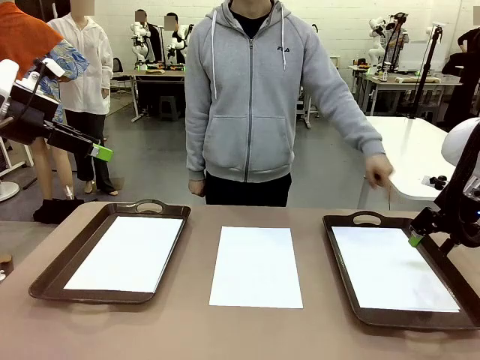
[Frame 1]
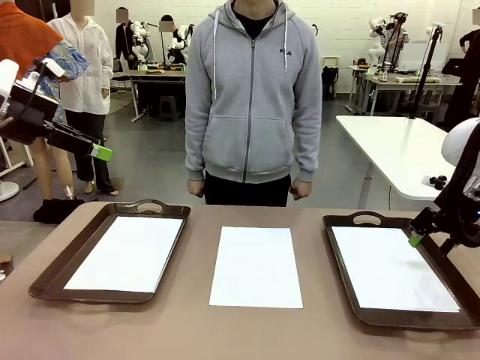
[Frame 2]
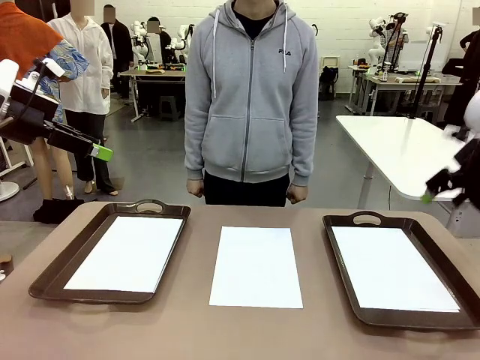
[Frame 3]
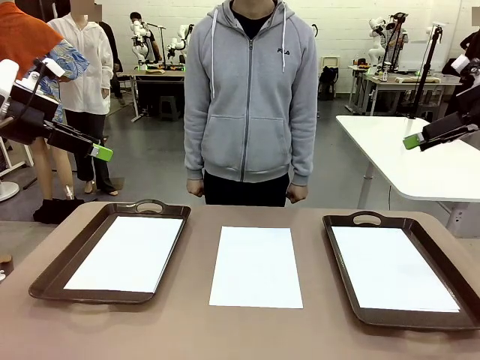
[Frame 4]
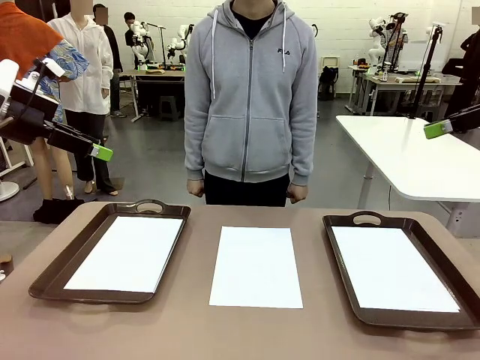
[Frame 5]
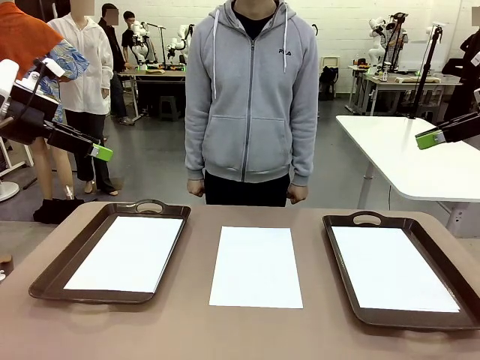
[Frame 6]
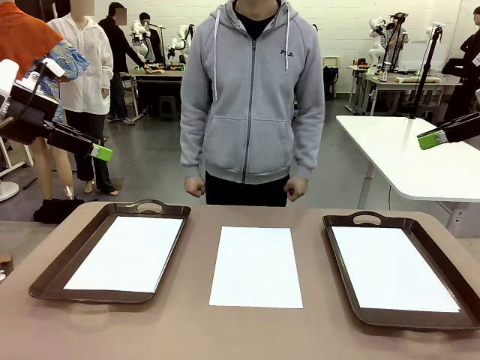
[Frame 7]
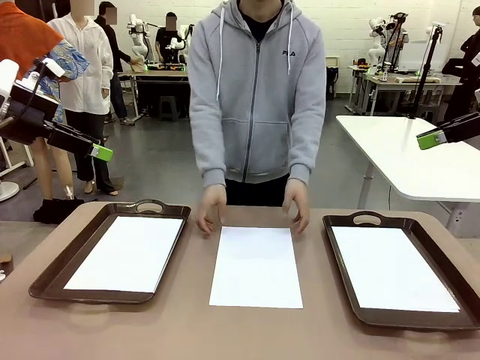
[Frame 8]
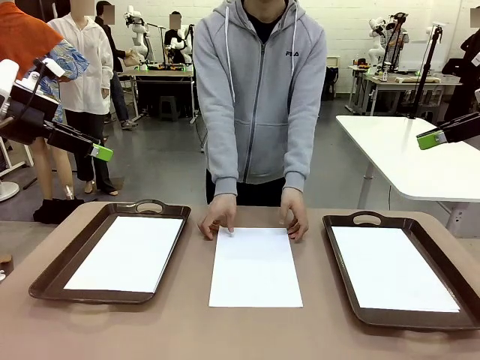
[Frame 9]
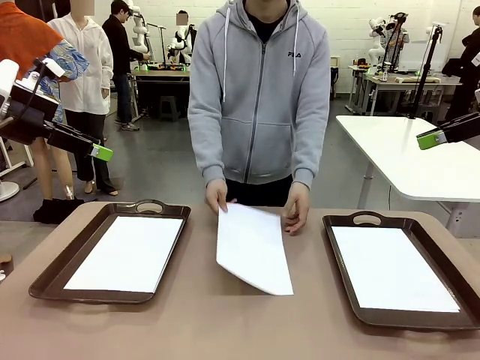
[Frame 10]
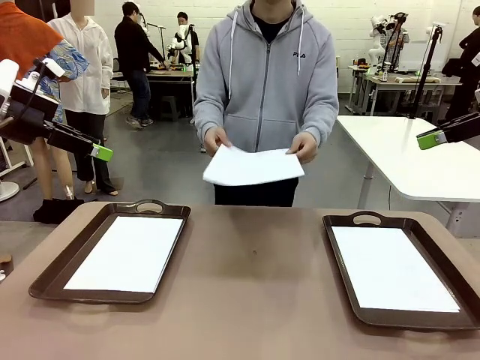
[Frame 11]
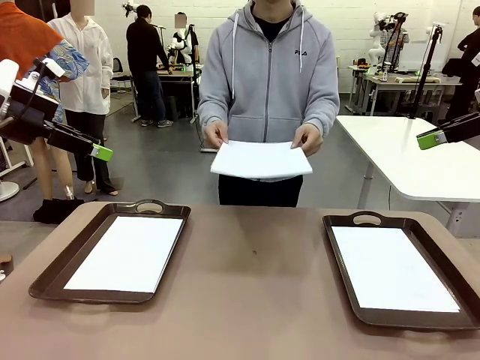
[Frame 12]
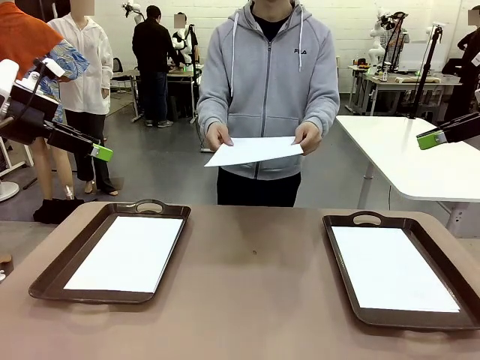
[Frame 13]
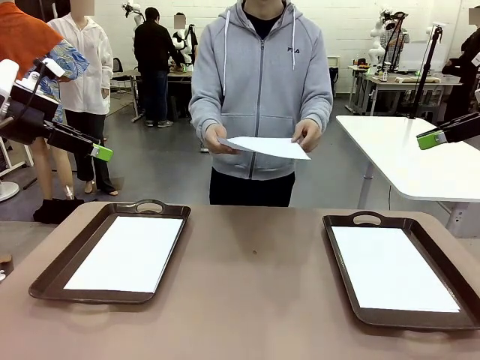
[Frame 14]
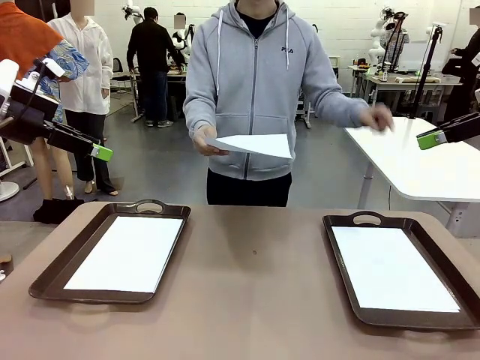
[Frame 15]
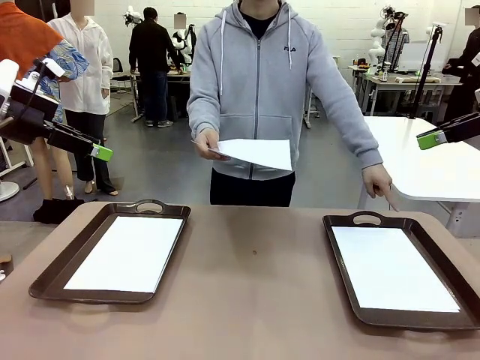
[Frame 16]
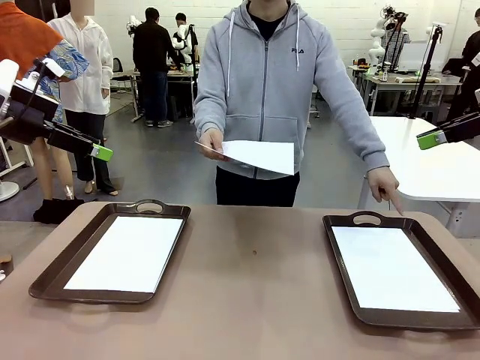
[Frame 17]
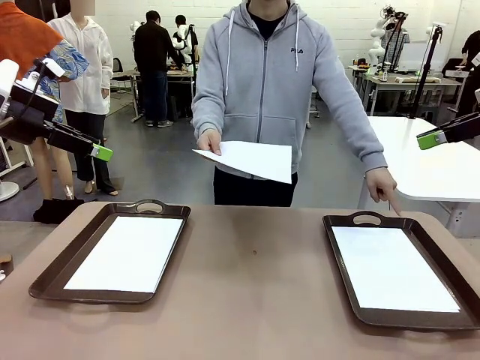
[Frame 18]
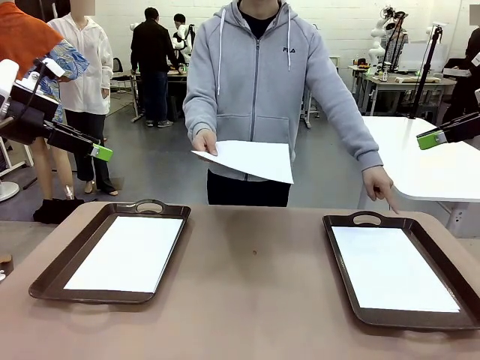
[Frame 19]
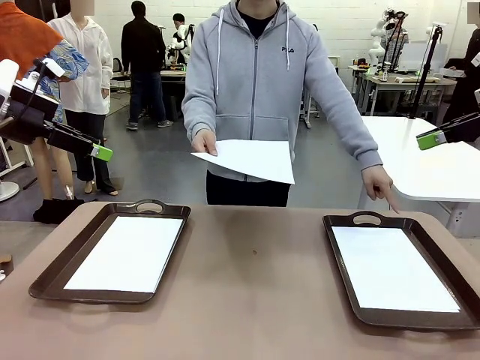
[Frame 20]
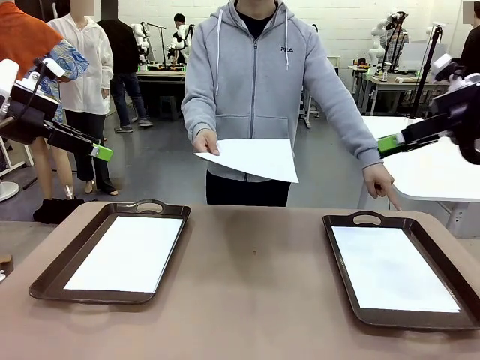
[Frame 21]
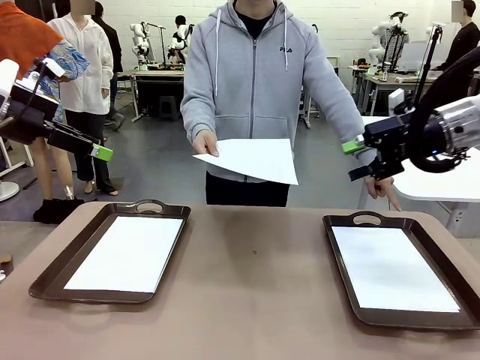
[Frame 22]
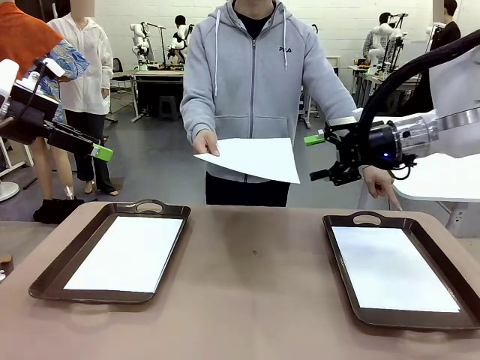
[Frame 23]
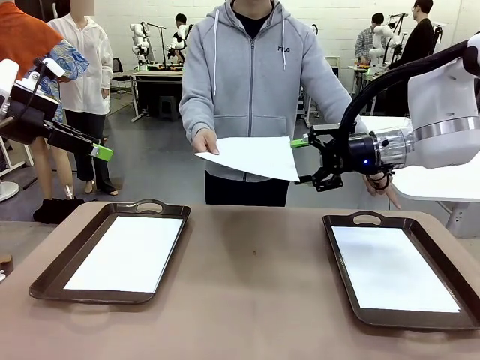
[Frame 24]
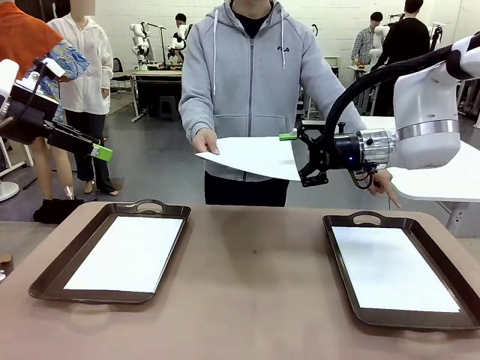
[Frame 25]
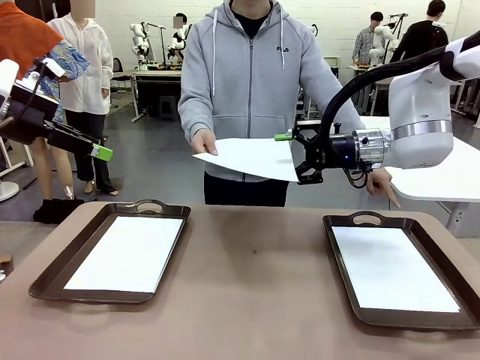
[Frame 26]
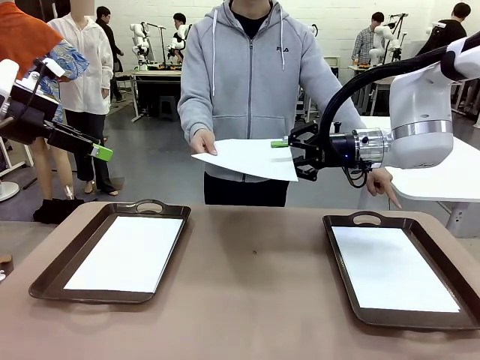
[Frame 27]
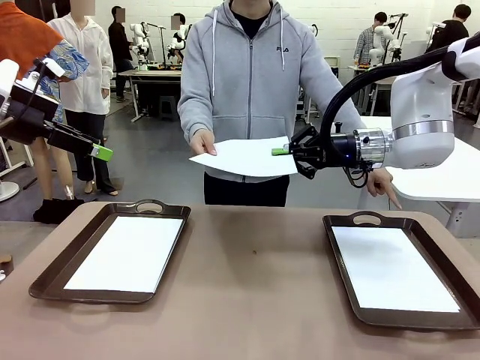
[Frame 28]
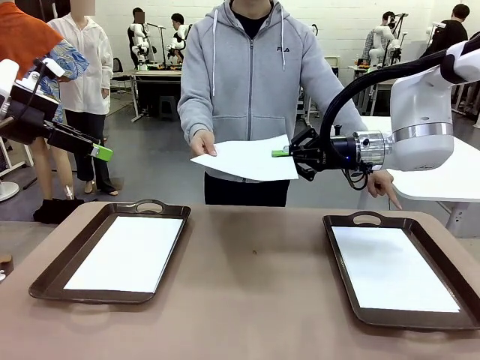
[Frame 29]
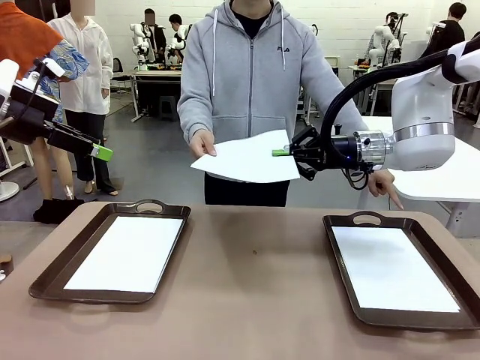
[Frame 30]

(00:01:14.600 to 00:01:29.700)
Task: Sort the A4 documents.
Robot: Receive the A4 Paper.
Person: Point the randomly selected tray with the other hand.

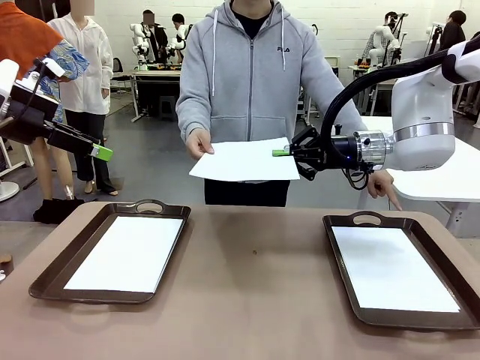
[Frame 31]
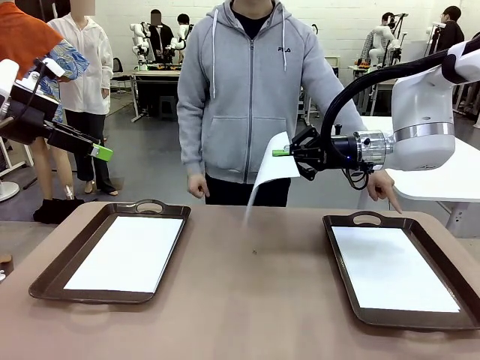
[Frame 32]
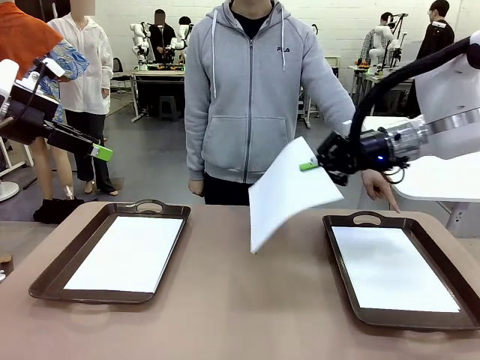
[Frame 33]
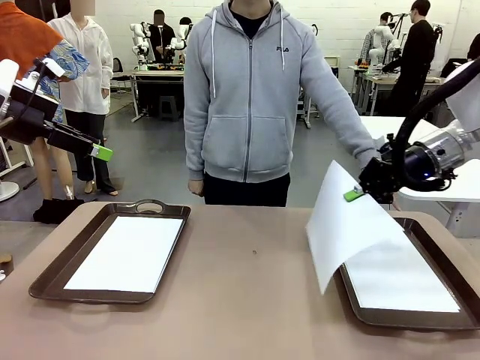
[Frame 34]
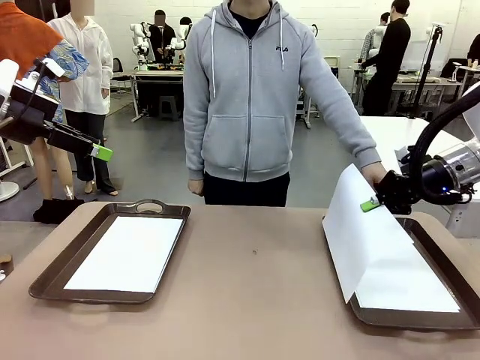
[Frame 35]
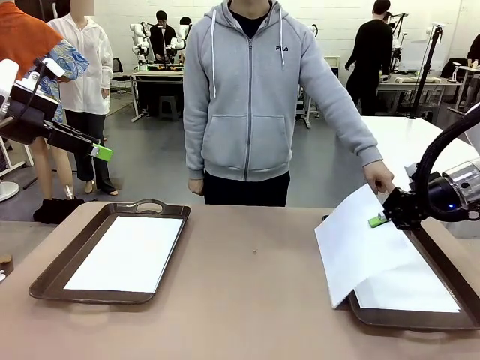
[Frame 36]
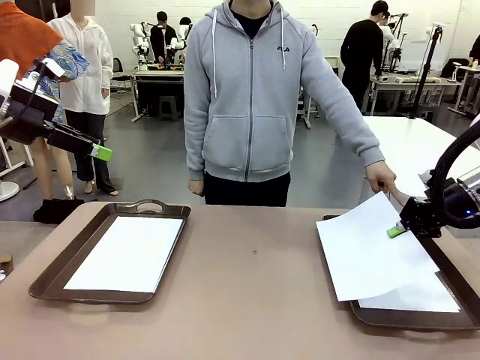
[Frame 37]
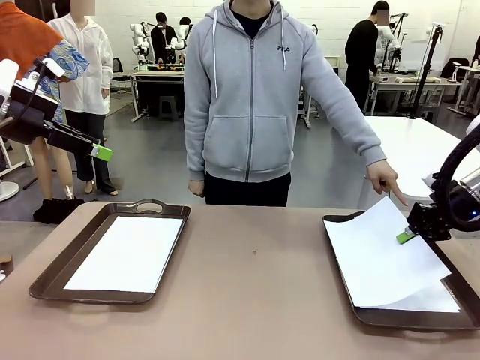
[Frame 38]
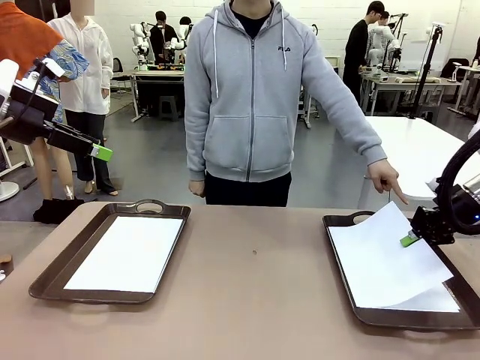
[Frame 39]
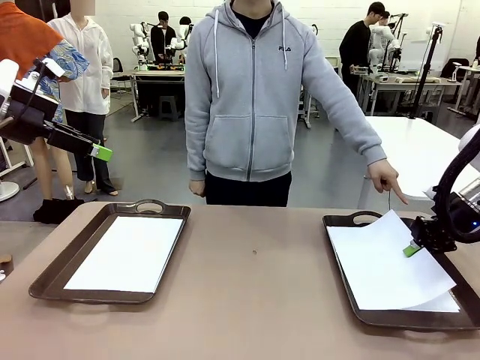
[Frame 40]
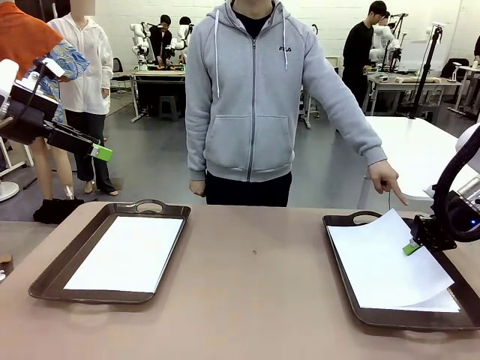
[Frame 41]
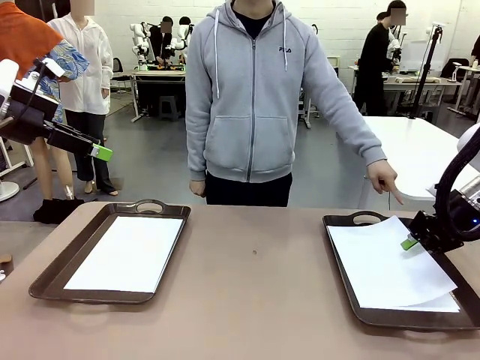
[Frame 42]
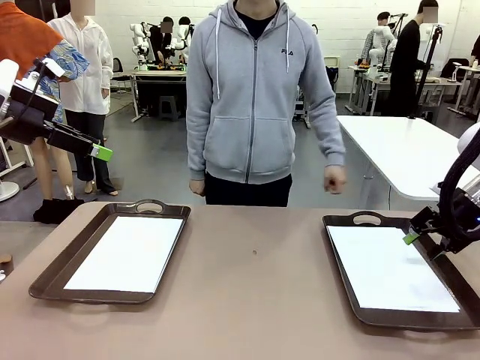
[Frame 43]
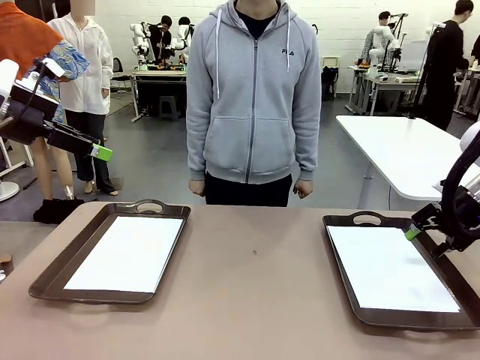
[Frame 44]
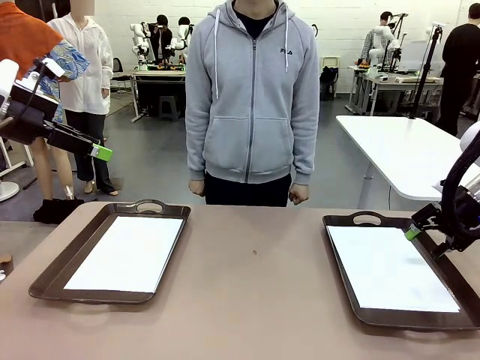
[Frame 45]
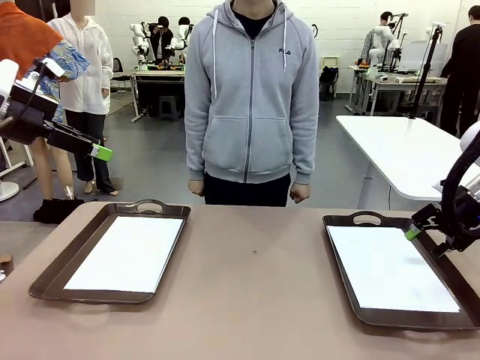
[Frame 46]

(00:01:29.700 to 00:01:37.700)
Robot: Place the A4 Paper in the designated Handle tray.

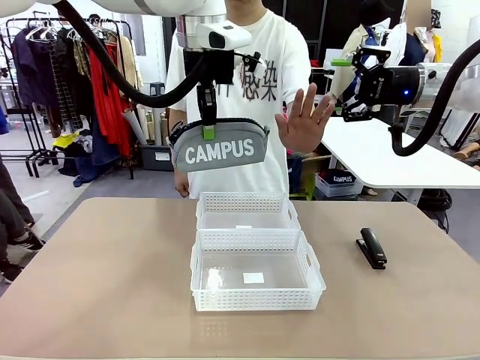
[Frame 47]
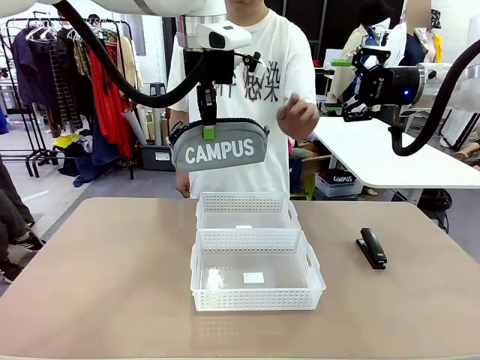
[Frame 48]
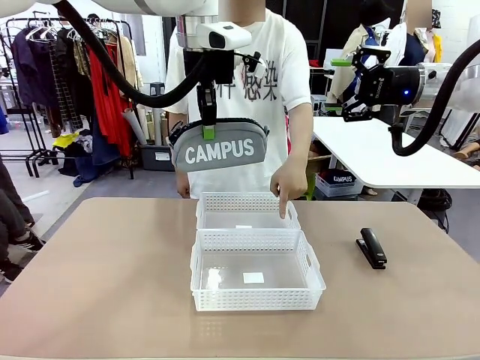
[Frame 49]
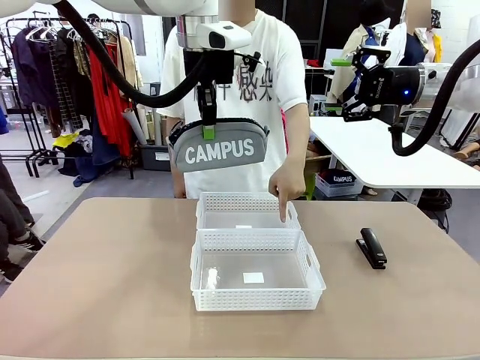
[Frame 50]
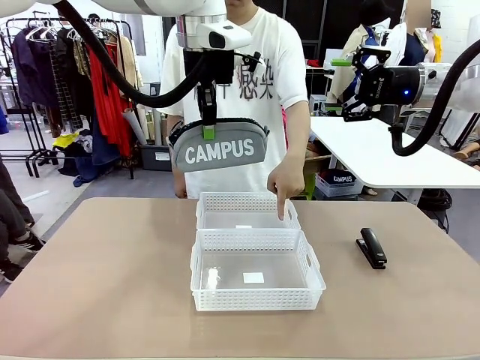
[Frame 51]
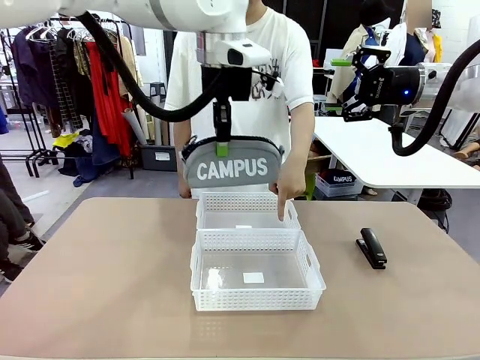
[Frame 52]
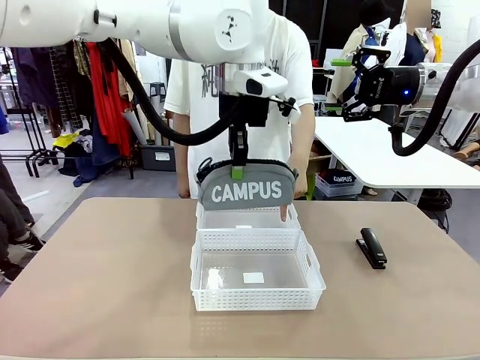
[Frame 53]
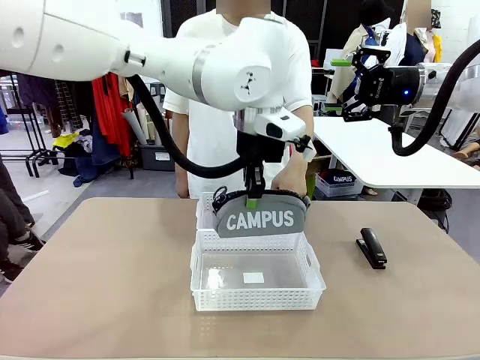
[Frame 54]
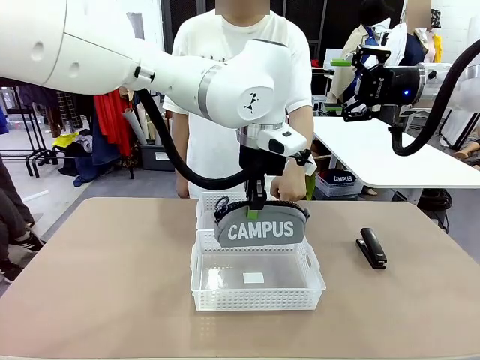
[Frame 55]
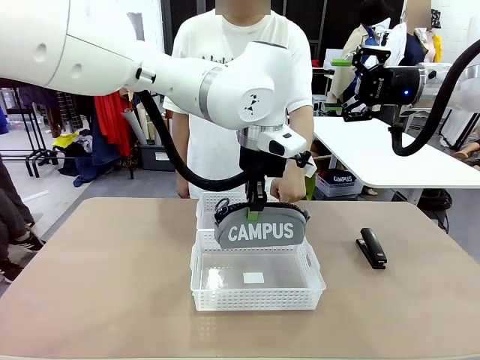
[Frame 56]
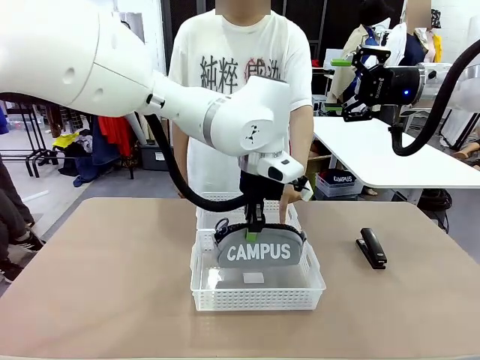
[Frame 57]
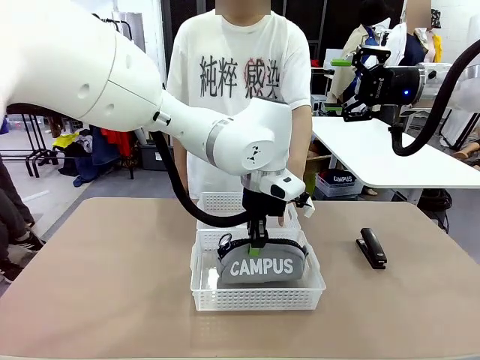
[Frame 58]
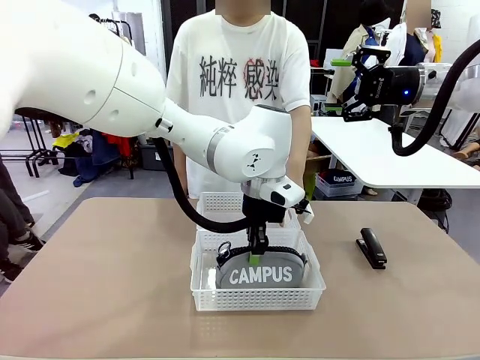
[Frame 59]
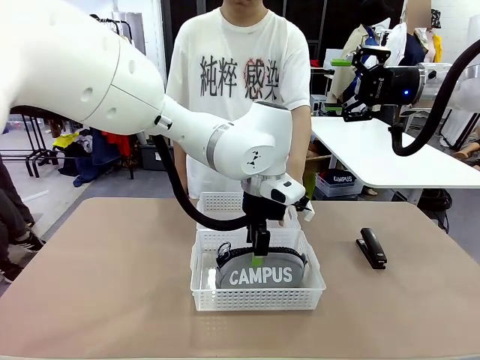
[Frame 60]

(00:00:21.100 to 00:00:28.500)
Task: Distribute items into two baskets.
Robot: Place the picked Pencil pouch into the Organizing basket as instructed by the person.
Person: Instructs the robot to place the pencil case into the opposite basket.
